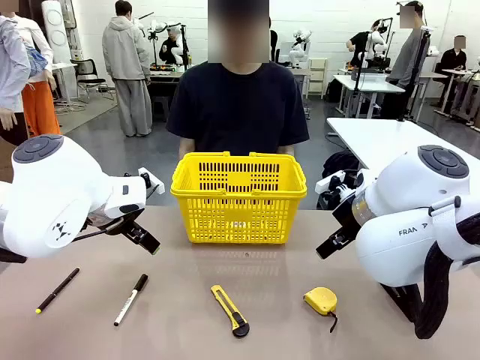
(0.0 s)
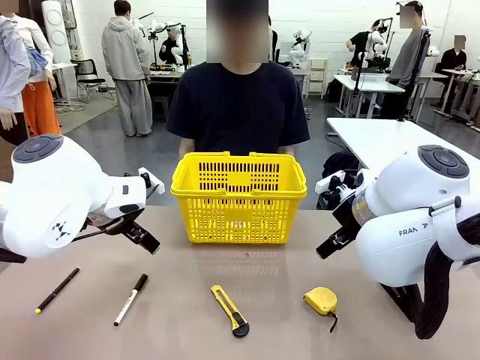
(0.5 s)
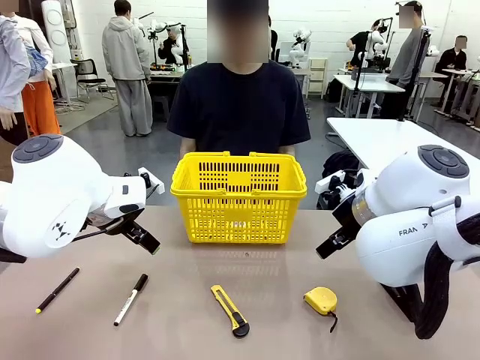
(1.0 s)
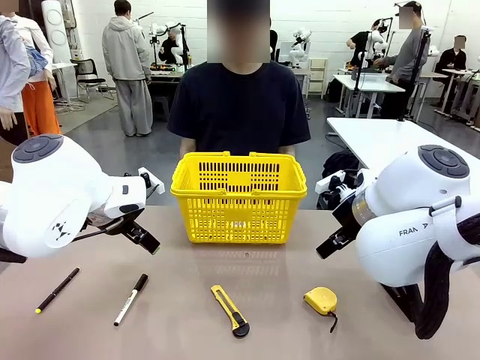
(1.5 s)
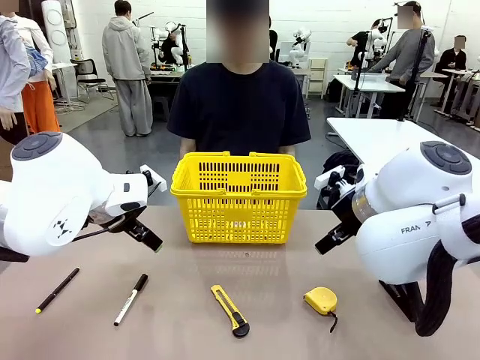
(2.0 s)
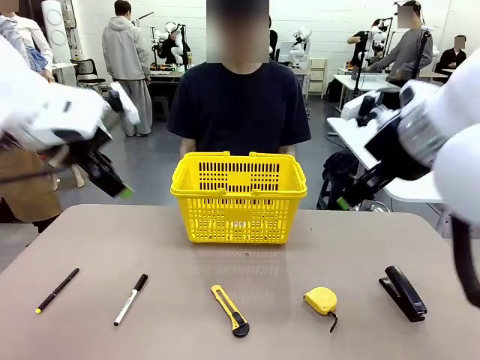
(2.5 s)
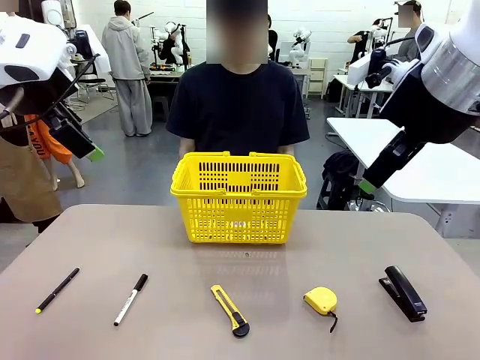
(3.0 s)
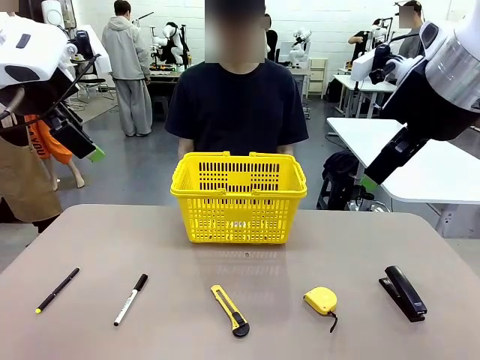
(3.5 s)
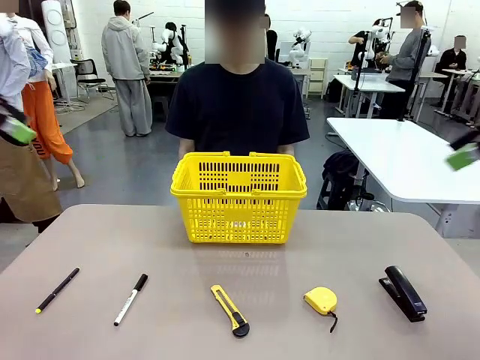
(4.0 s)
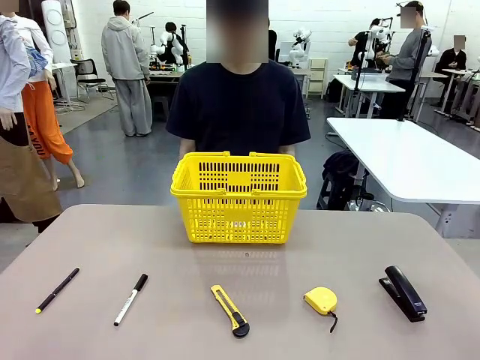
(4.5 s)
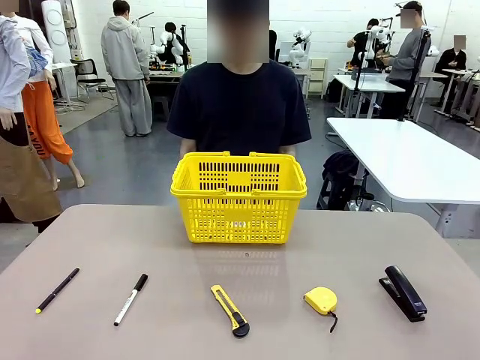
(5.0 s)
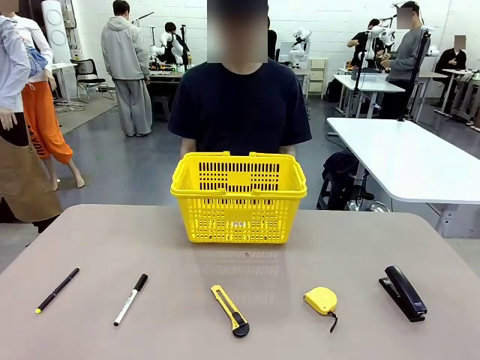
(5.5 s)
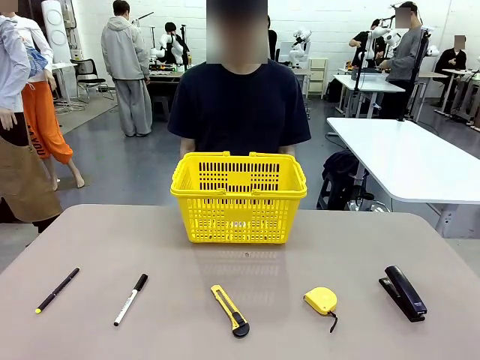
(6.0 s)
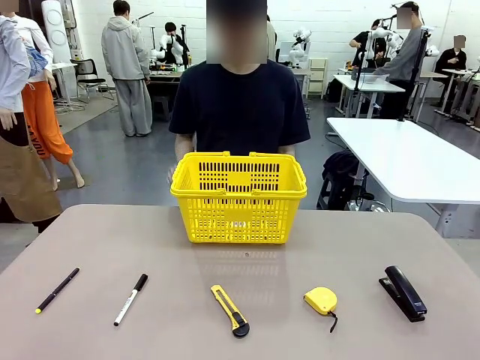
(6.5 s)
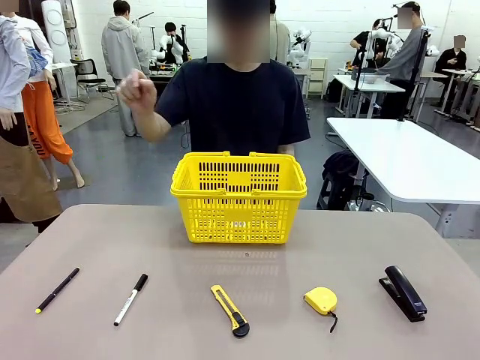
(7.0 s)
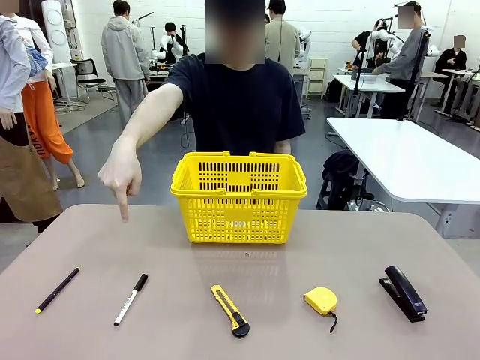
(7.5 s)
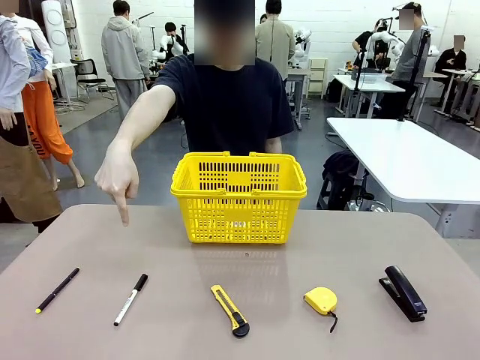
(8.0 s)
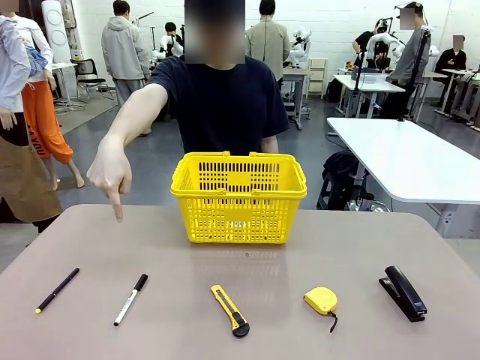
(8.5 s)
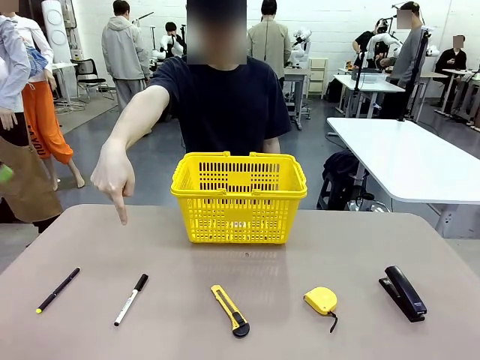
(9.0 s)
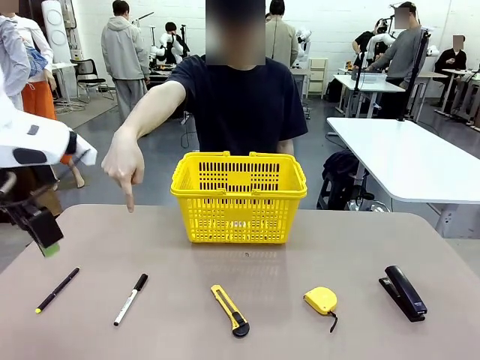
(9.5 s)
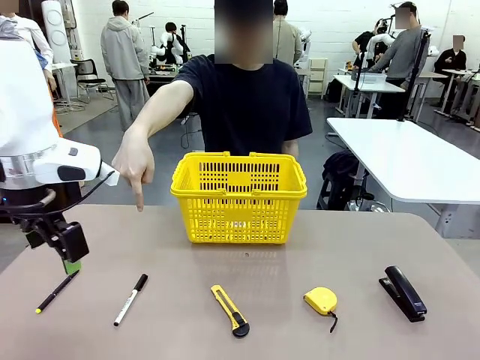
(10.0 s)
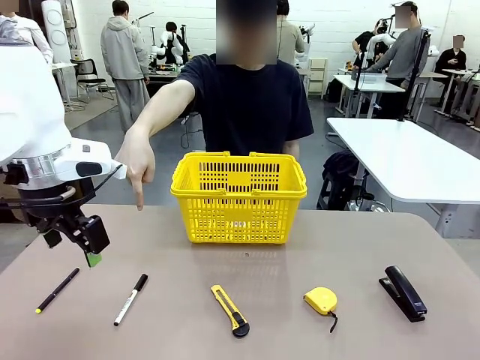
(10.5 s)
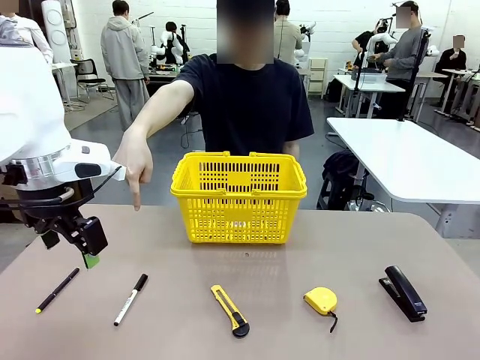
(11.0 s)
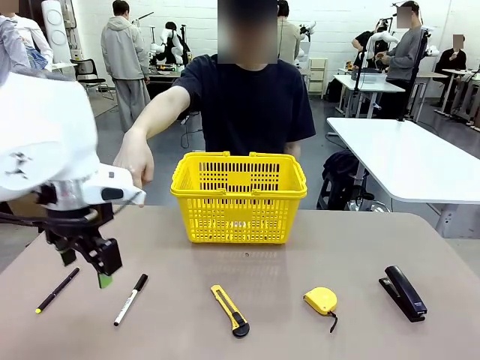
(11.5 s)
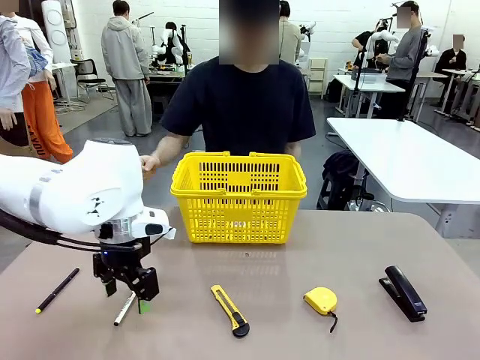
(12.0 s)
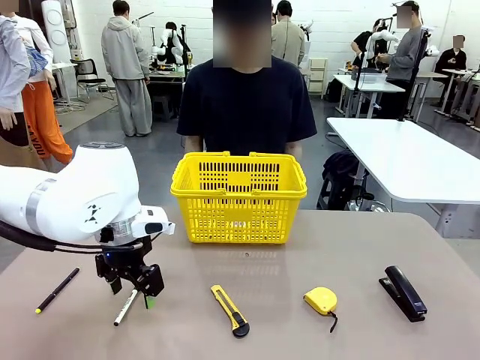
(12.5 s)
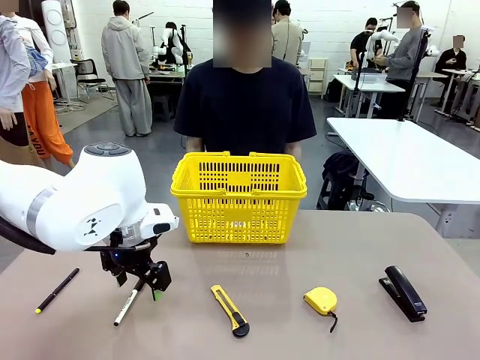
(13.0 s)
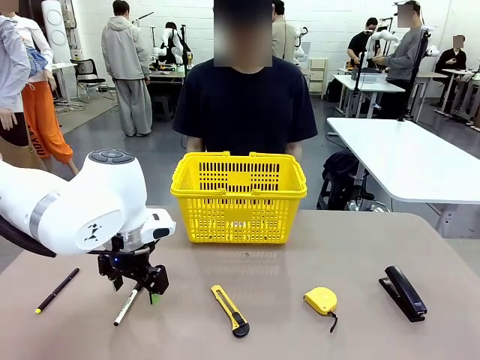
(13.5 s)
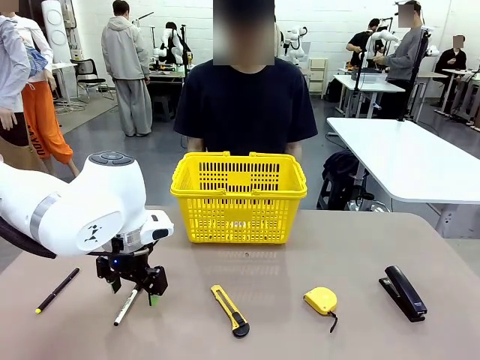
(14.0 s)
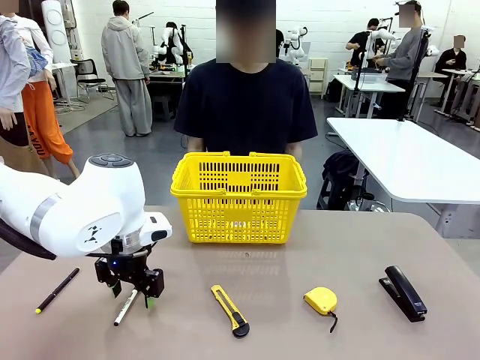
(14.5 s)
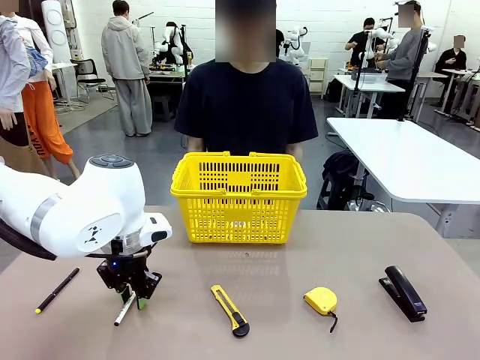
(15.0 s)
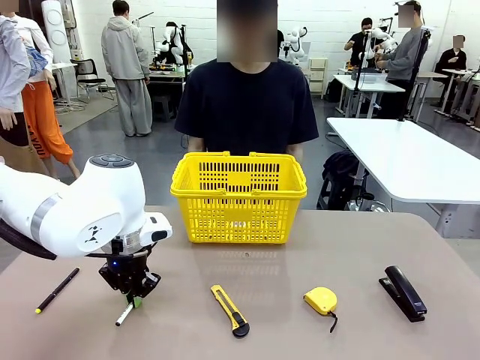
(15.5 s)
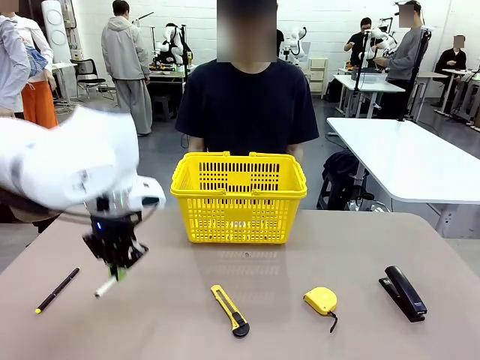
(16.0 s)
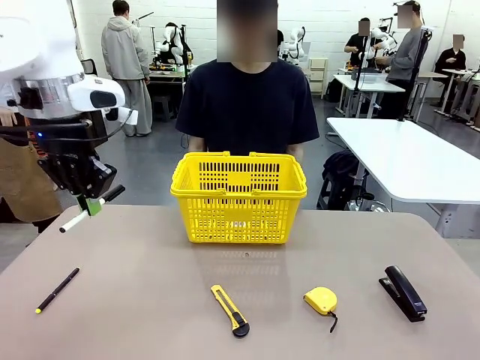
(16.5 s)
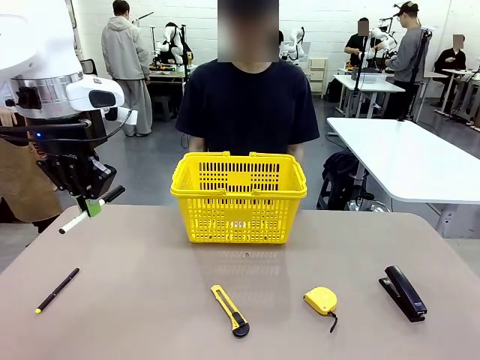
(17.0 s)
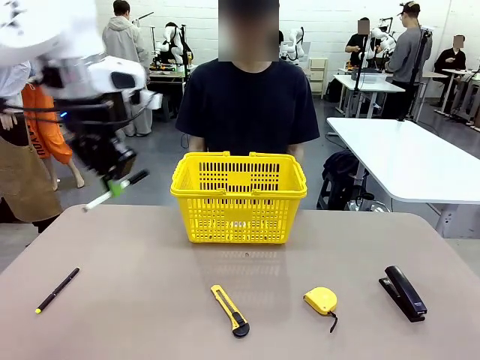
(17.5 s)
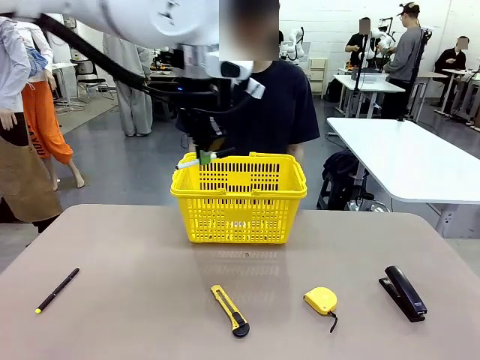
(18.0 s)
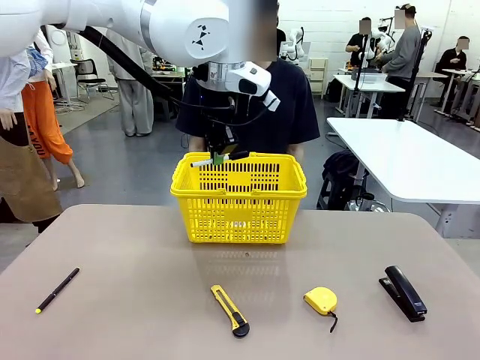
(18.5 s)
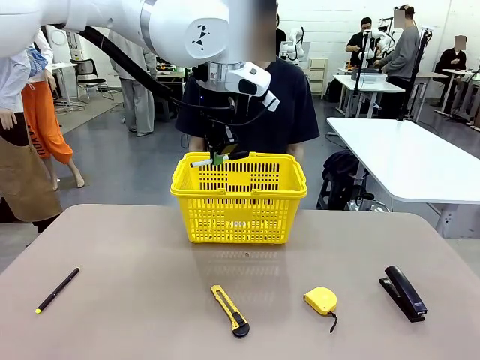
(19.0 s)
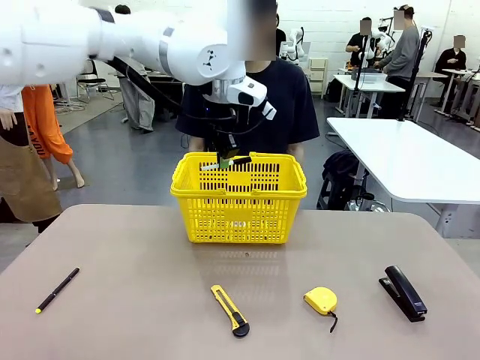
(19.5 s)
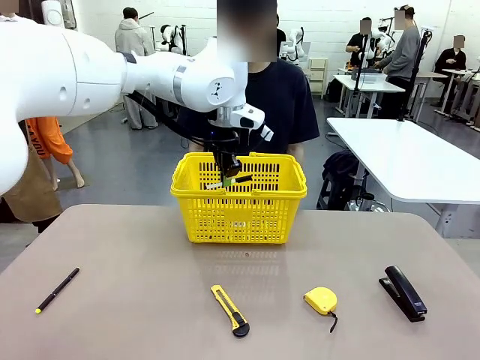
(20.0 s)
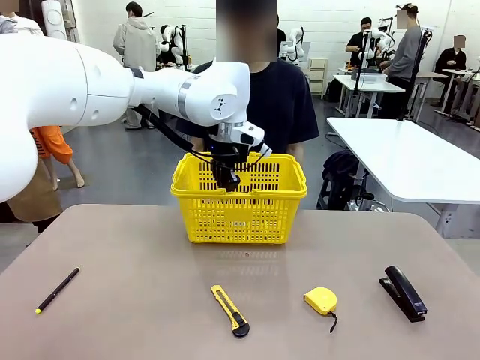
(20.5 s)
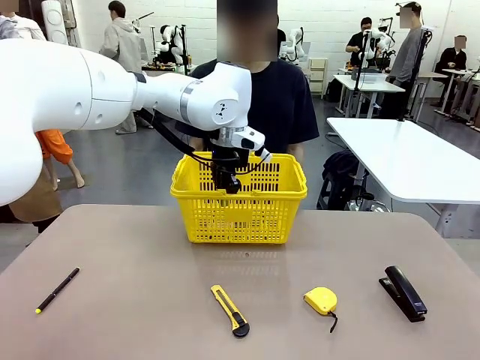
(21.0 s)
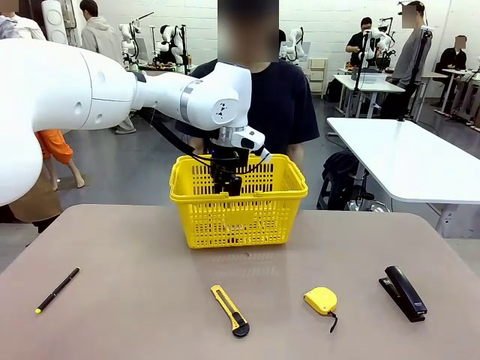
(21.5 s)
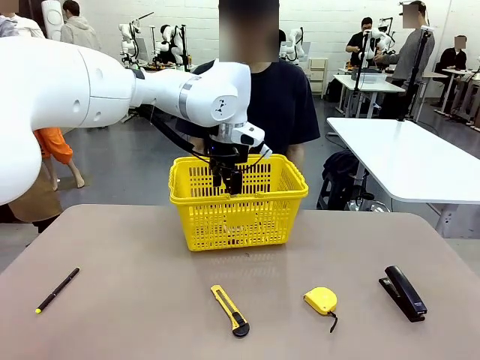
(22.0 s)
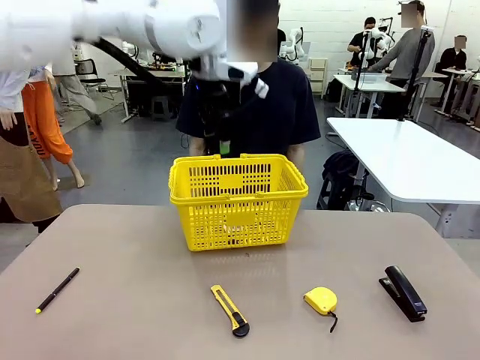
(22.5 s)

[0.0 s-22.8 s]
Task: Place the items the person wants into the basket.
Robot: Pick up the item the person points to and place it in the Market Basket.
